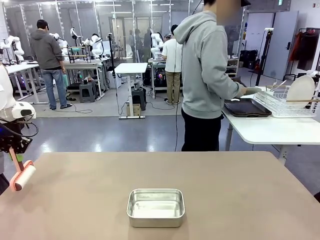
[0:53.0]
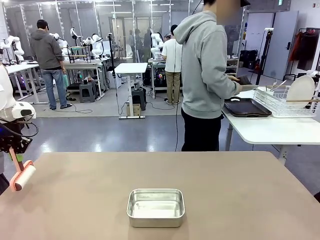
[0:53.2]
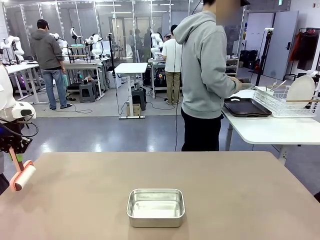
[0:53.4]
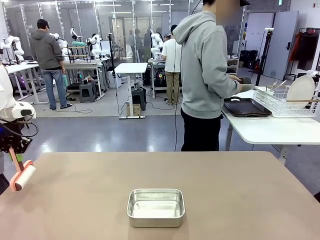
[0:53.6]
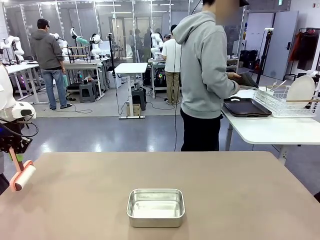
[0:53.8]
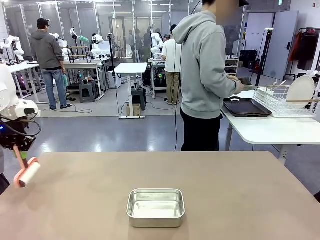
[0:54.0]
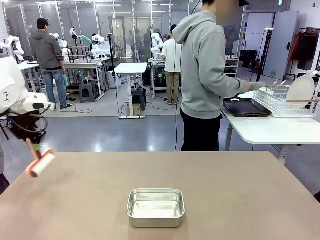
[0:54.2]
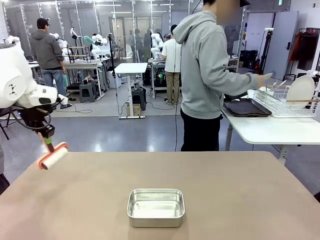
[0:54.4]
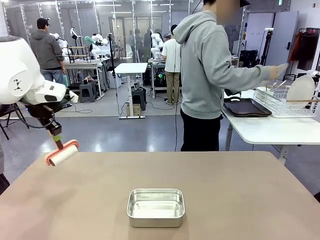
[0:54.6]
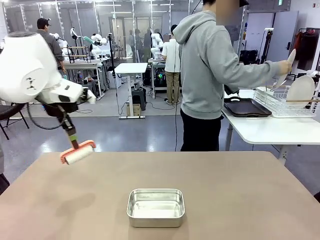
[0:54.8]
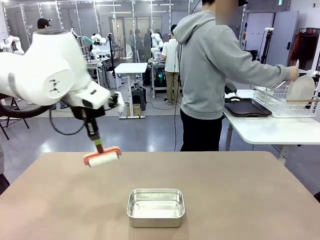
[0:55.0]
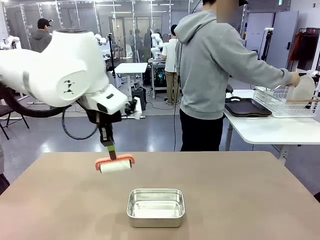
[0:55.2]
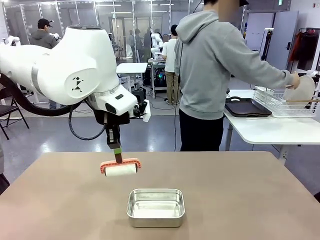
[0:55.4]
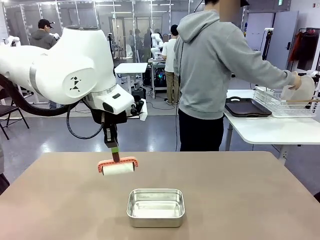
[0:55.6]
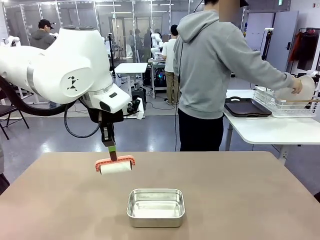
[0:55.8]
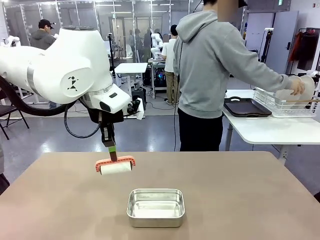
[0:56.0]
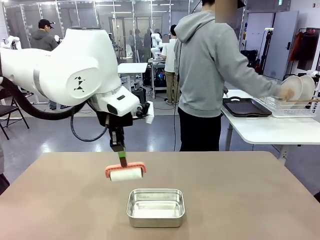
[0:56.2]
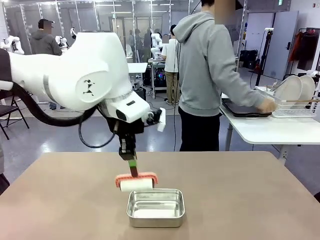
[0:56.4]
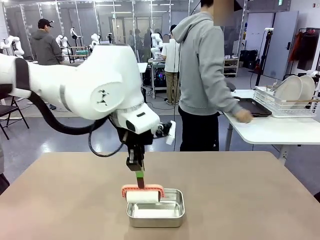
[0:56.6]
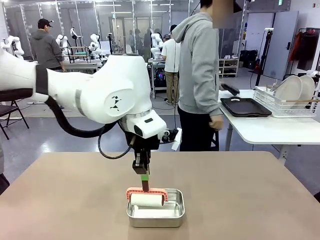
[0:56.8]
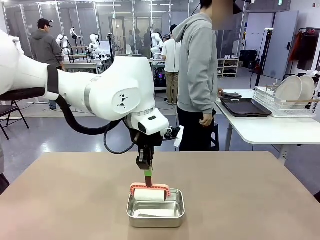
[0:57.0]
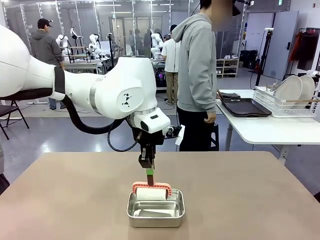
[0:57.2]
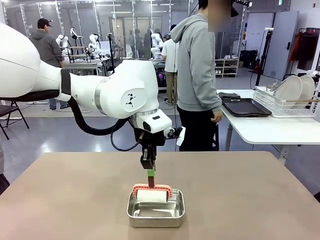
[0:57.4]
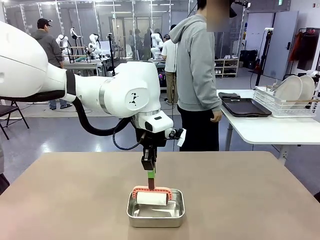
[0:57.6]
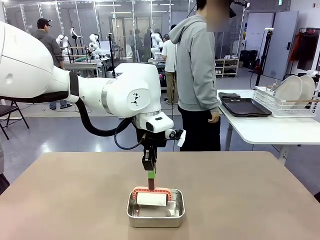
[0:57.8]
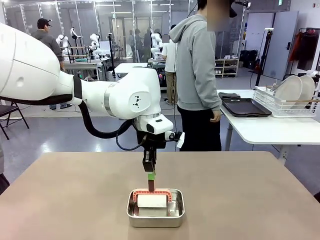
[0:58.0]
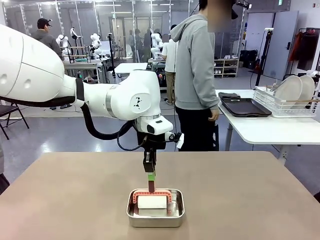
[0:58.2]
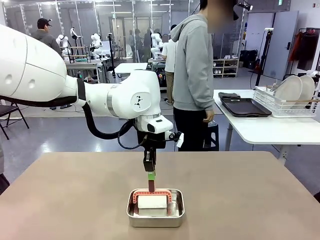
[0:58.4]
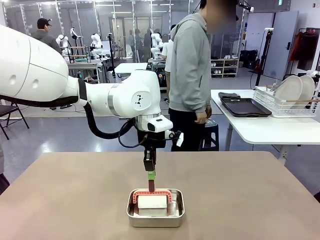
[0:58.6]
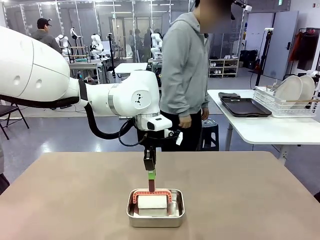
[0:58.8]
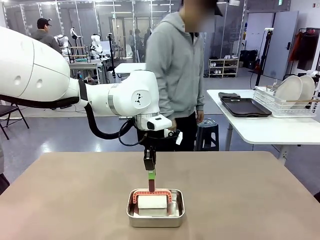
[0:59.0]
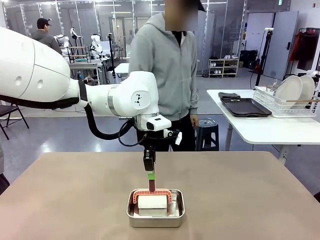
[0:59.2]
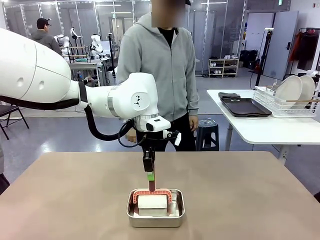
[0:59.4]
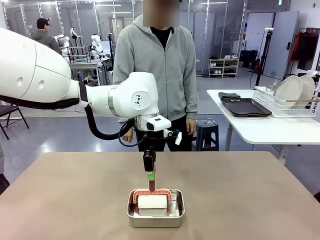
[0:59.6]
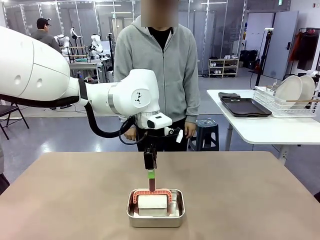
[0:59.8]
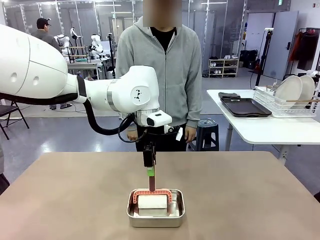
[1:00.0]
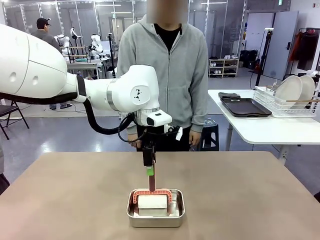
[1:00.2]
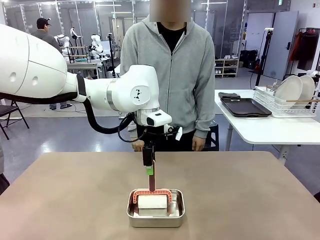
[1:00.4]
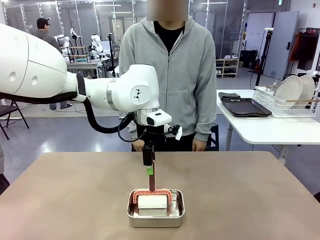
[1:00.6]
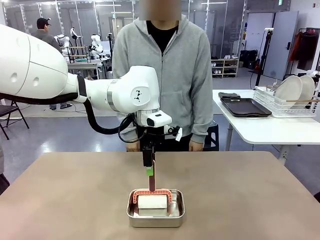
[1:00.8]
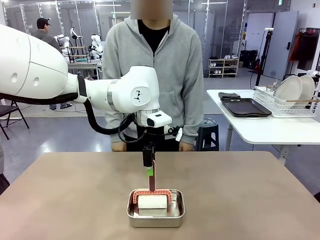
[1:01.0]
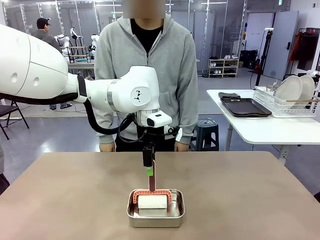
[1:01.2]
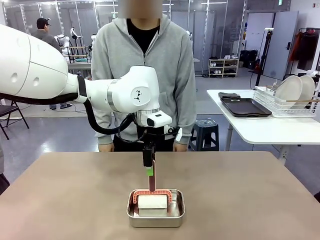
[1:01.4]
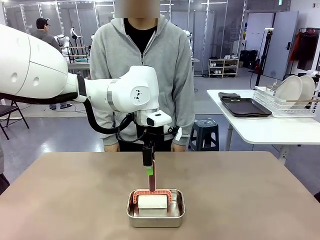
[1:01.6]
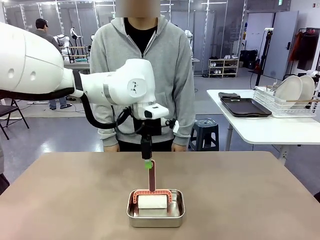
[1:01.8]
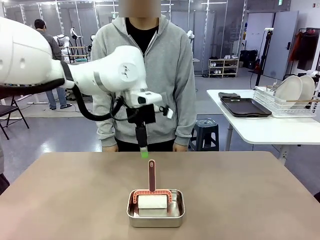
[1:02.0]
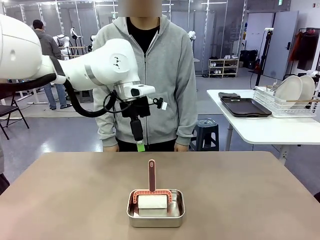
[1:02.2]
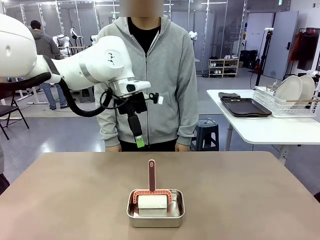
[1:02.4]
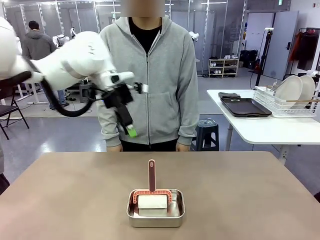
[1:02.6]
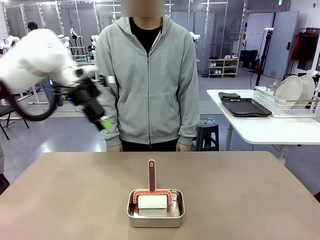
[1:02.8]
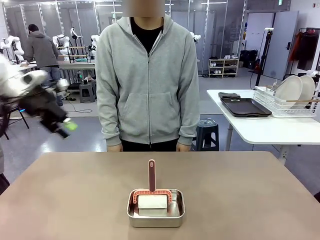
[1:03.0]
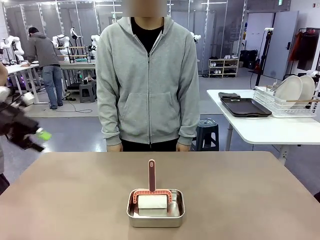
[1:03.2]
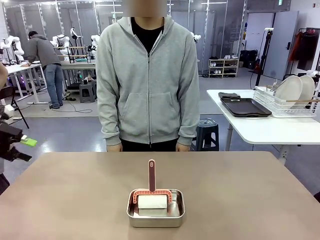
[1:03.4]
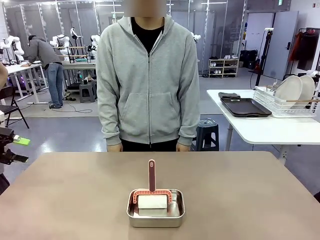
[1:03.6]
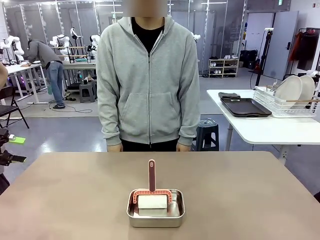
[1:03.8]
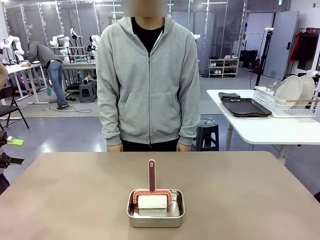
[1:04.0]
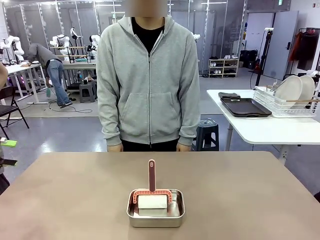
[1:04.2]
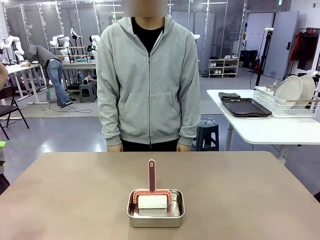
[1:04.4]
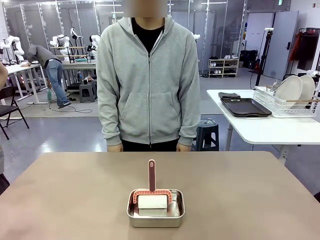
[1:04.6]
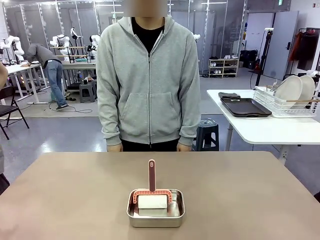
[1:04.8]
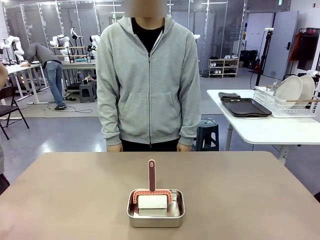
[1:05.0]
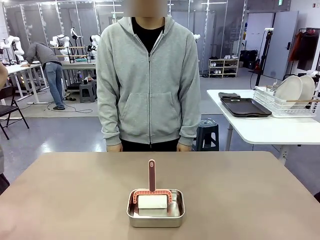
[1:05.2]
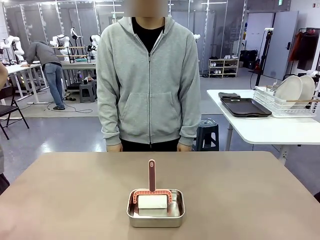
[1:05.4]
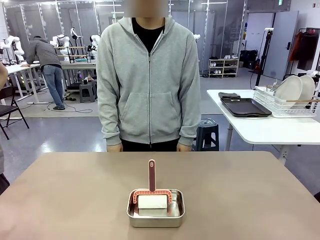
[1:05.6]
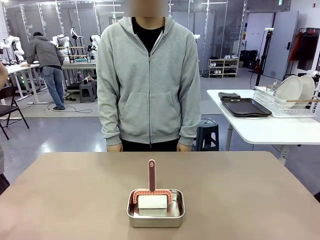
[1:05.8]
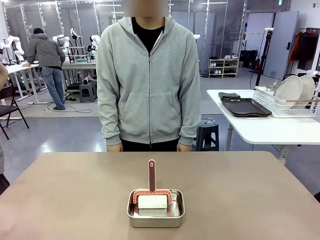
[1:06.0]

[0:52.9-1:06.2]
Robot: Place the Lint Roller back on top of the Airtight Container.
Person: Use the Towel with hook to wipe the Plastic Matte Plate , Fork , and Knife and place into the Dish drying rack.

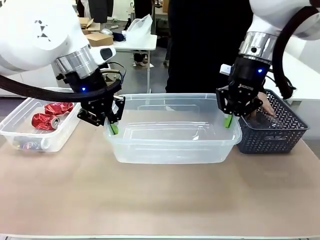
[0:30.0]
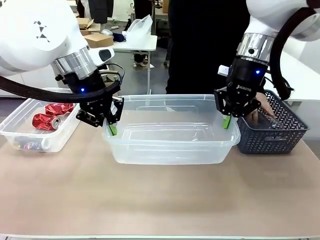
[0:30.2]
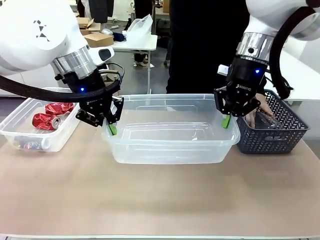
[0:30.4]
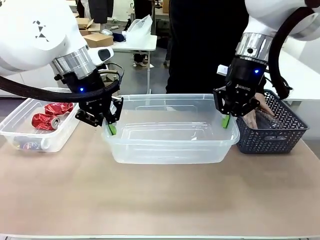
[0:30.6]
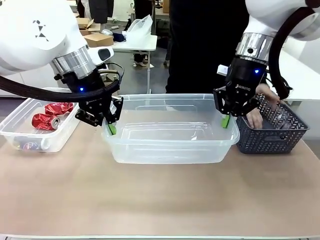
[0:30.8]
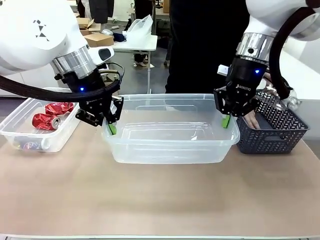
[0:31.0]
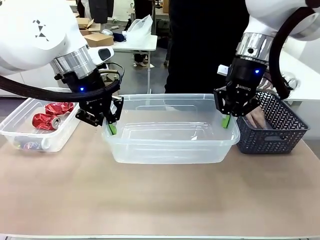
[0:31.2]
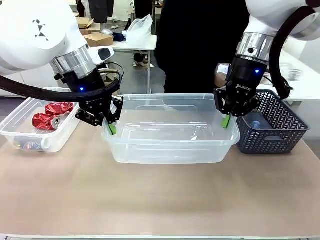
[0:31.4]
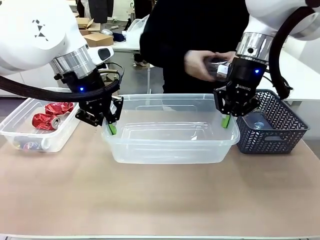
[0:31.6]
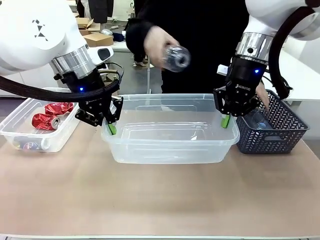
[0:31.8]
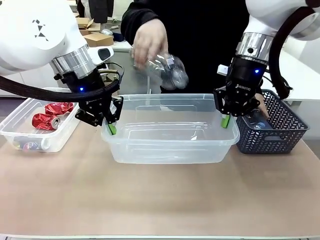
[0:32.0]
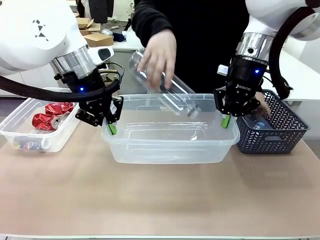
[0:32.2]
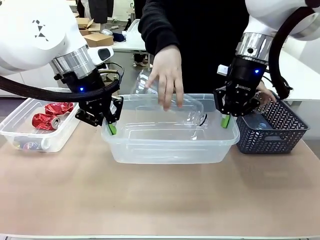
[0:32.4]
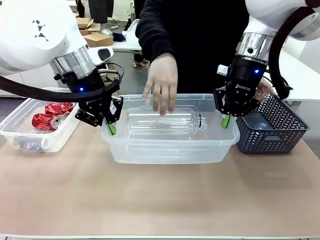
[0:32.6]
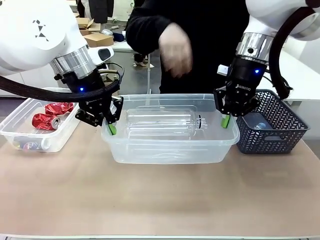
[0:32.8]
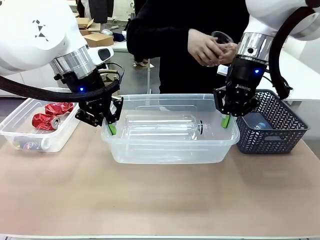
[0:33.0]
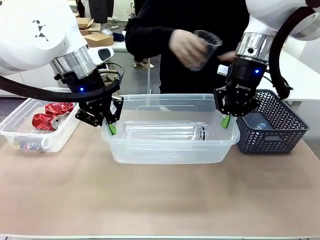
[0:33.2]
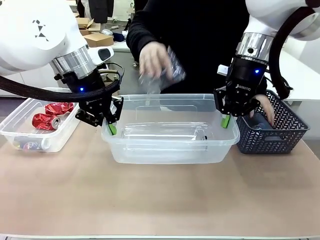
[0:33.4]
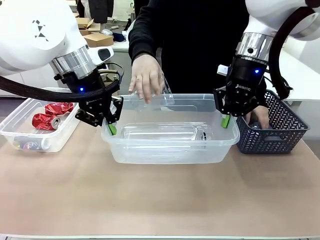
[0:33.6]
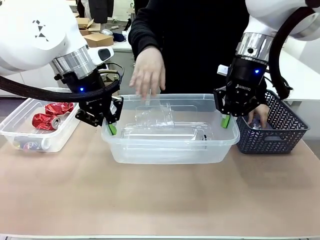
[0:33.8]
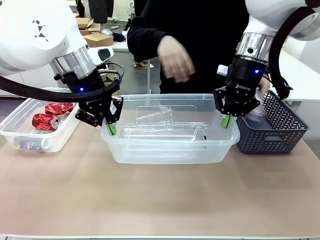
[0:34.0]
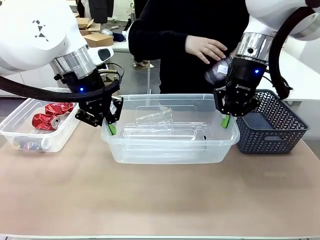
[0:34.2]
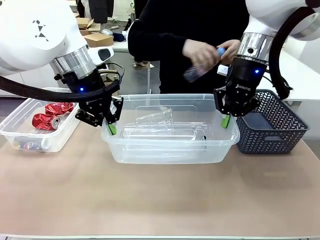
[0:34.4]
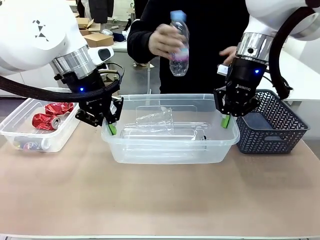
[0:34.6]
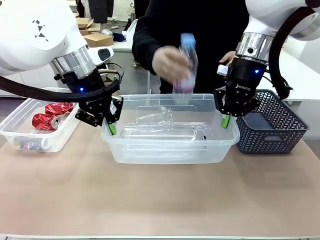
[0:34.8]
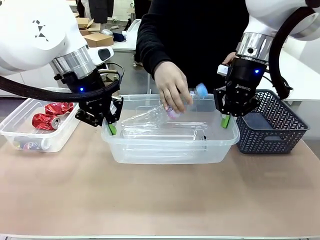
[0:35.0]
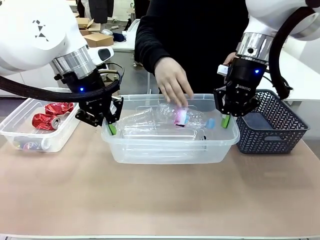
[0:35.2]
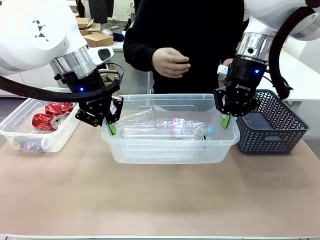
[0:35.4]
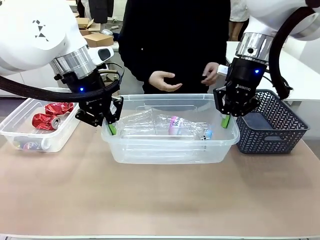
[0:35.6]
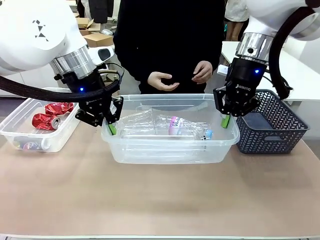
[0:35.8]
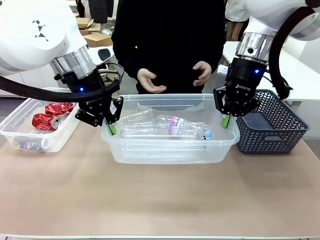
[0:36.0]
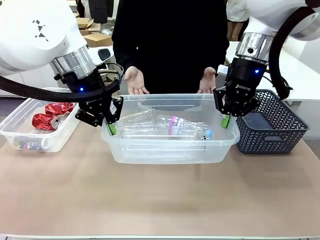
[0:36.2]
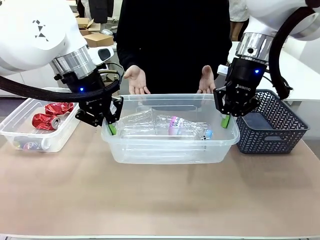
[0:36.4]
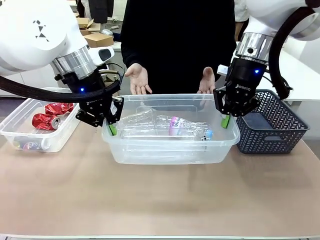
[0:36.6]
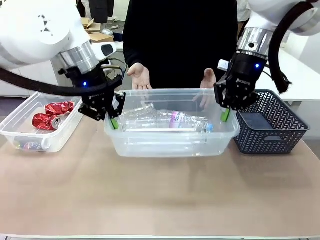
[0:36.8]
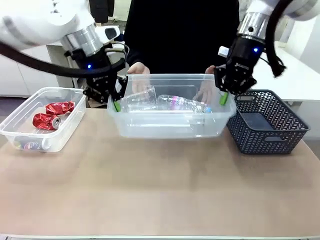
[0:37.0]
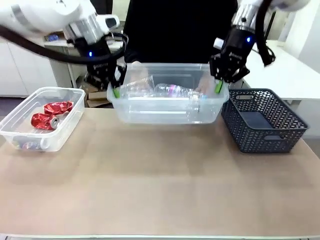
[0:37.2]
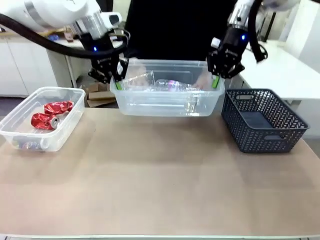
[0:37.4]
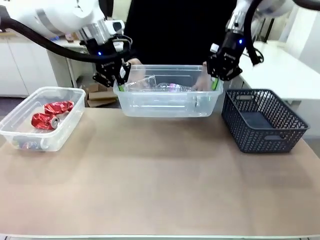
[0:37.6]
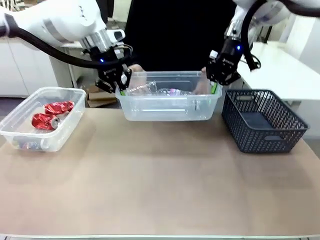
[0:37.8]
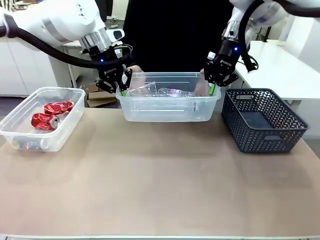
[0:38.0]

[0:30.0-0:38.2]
Robot: Offer the picked Organizing box to the human.
Person: Pick up plastic waste one by one and place it into the organizing box lifted by the robot.
